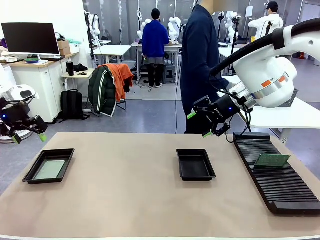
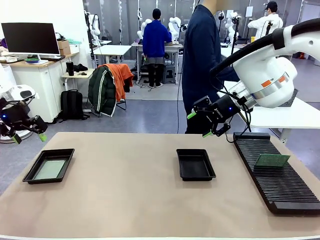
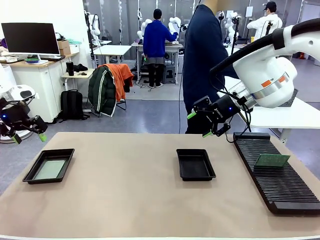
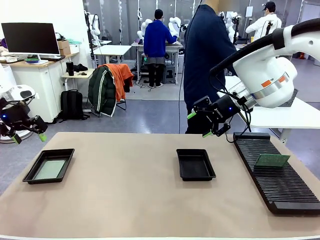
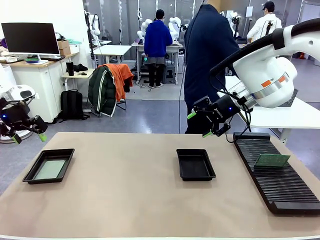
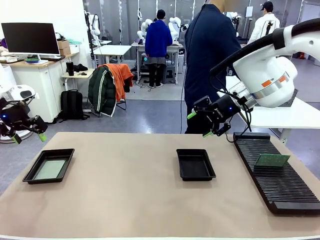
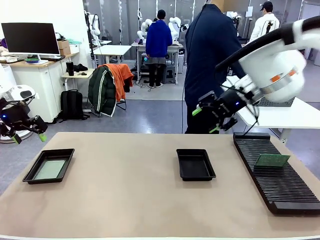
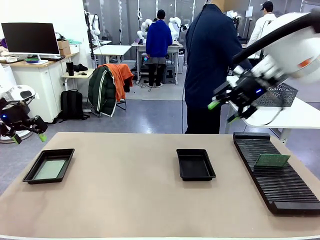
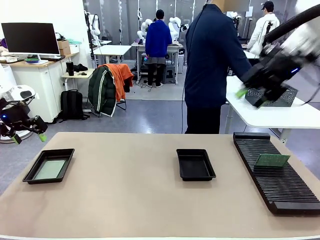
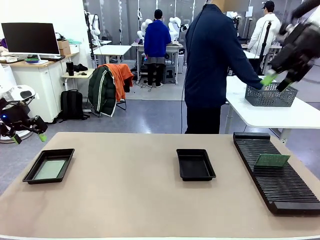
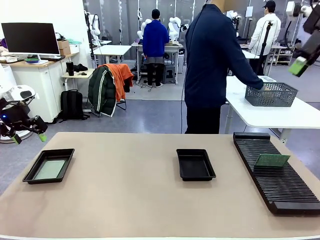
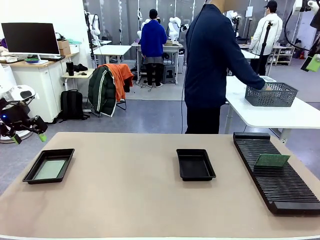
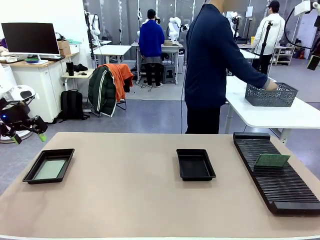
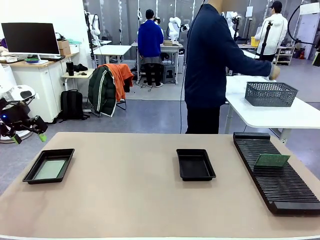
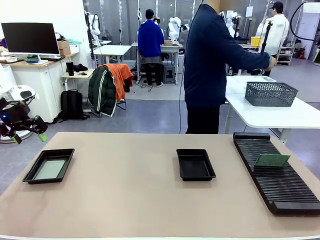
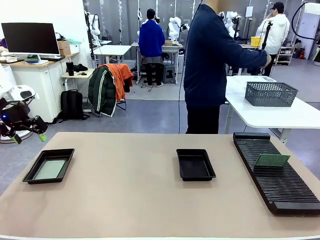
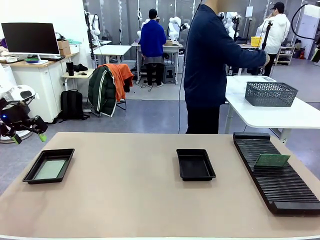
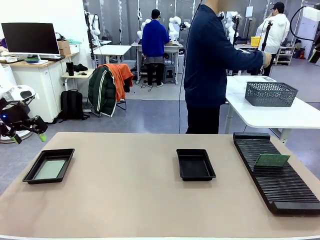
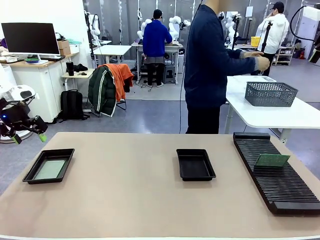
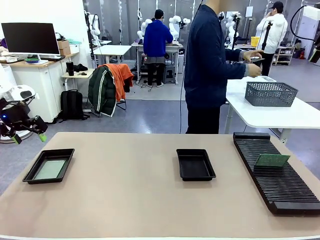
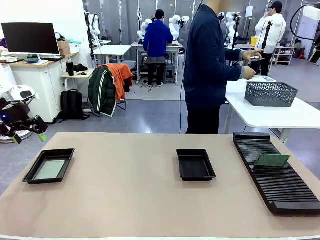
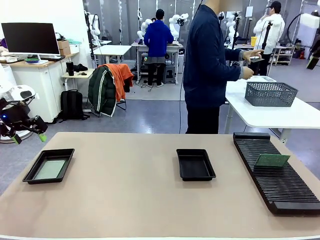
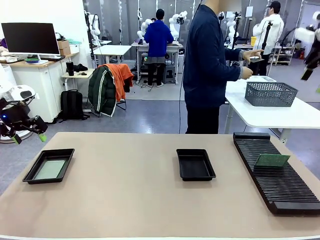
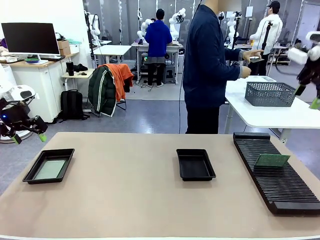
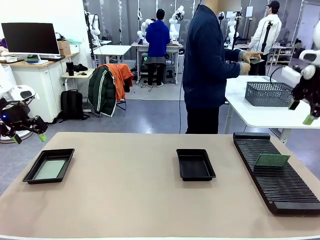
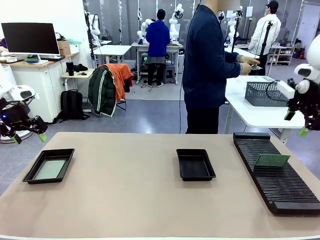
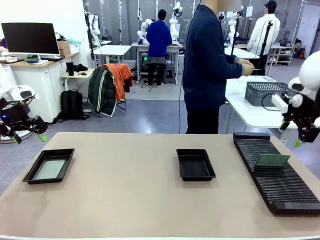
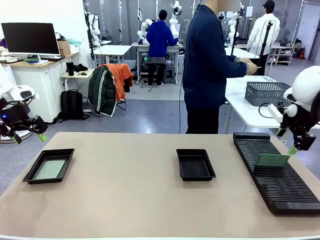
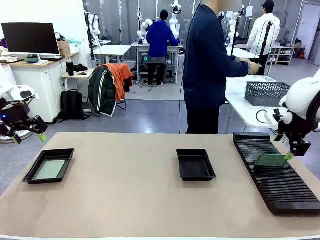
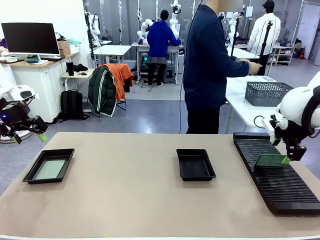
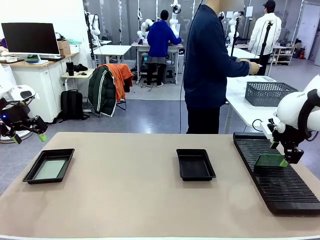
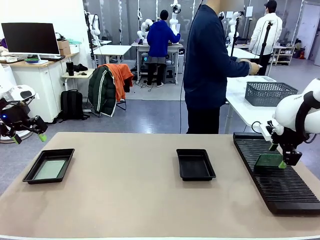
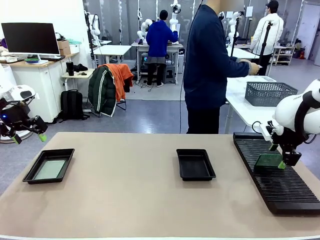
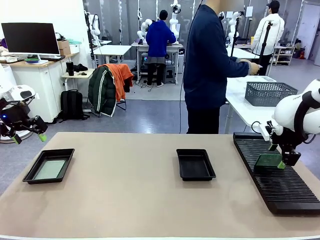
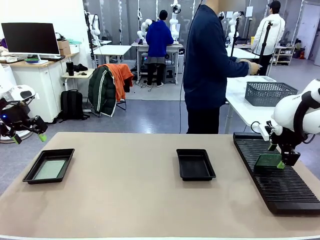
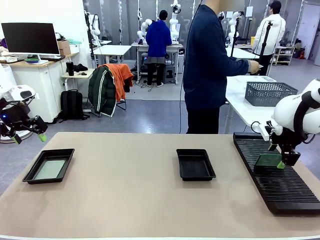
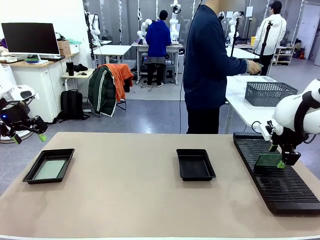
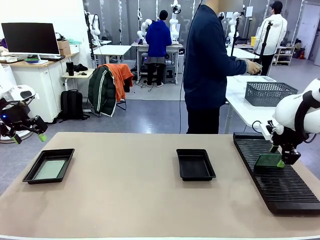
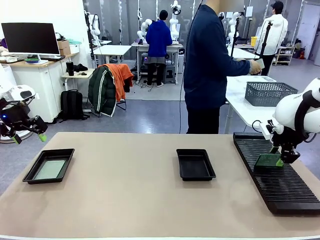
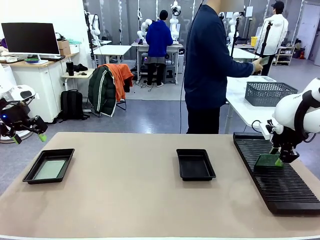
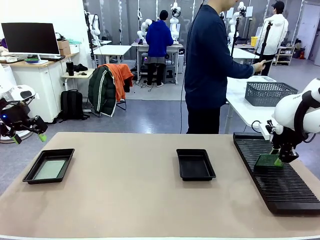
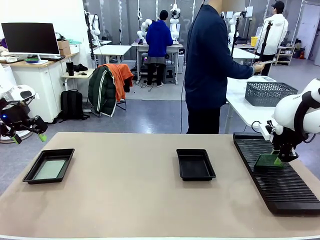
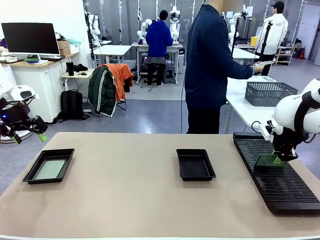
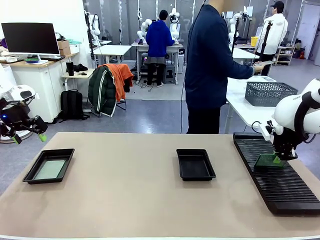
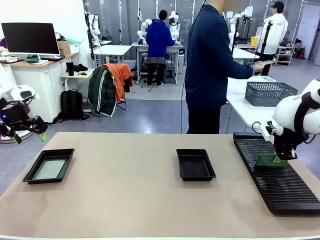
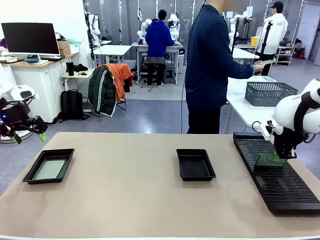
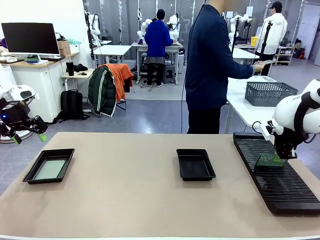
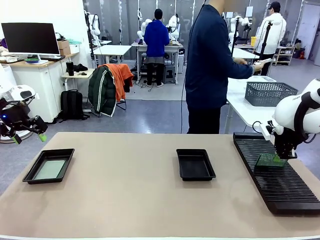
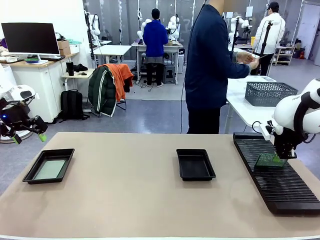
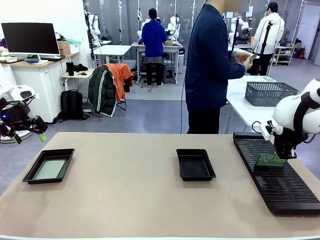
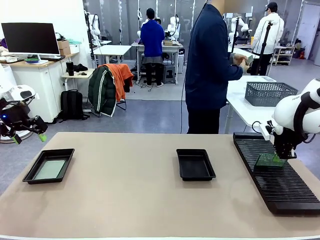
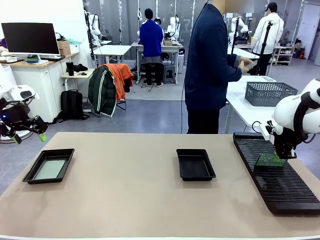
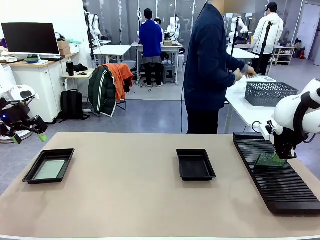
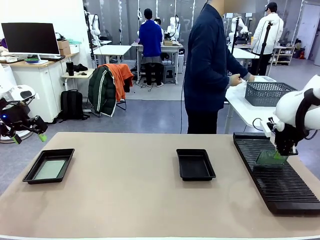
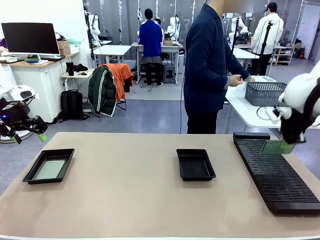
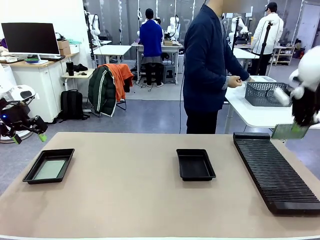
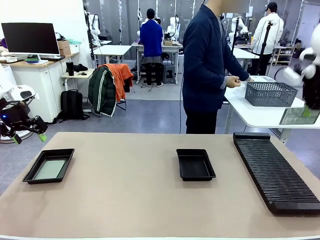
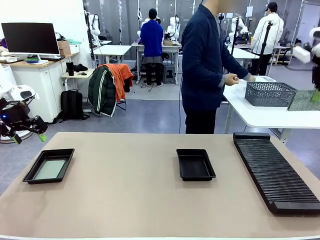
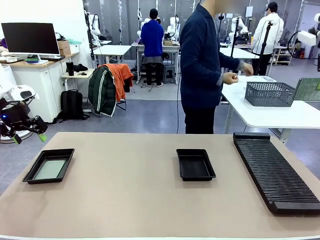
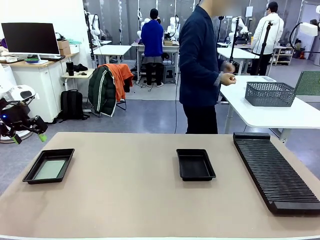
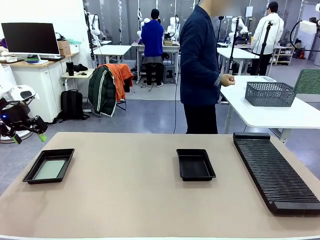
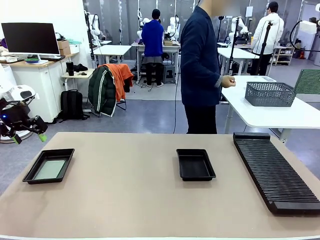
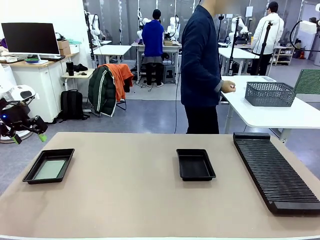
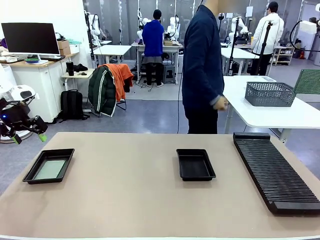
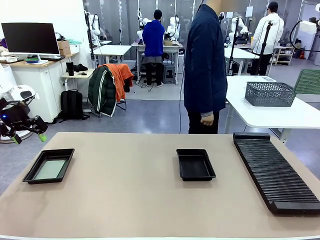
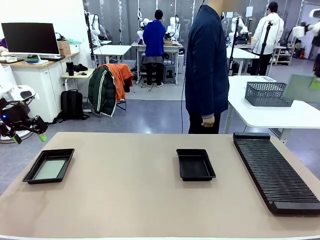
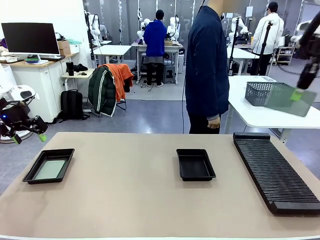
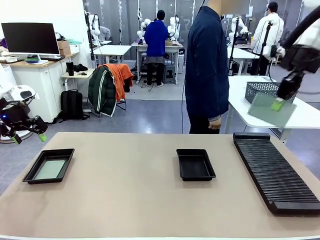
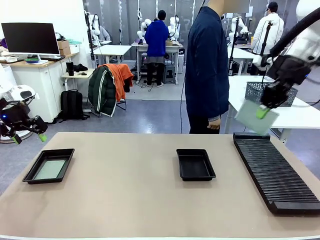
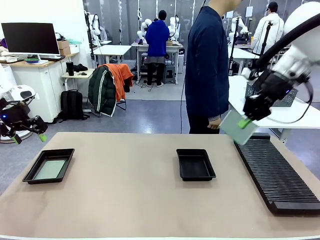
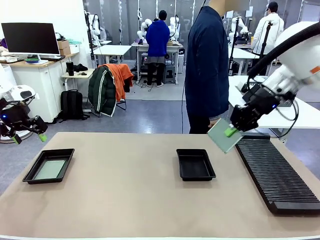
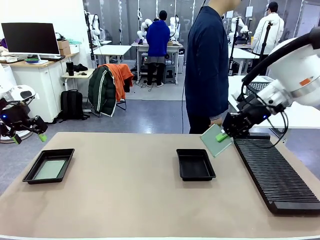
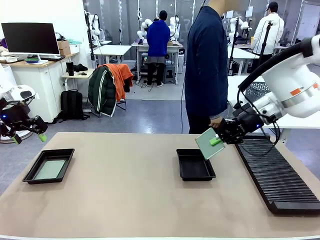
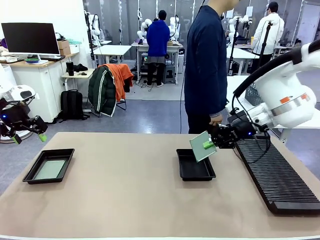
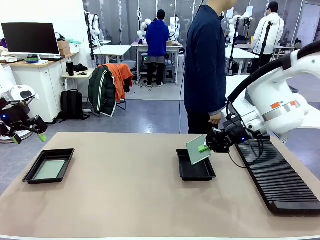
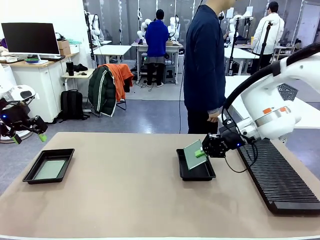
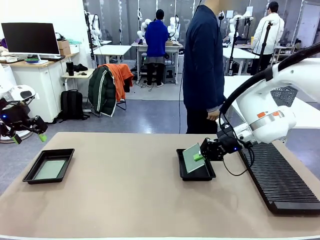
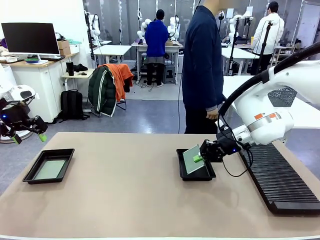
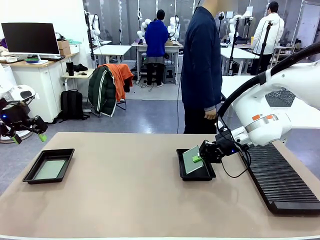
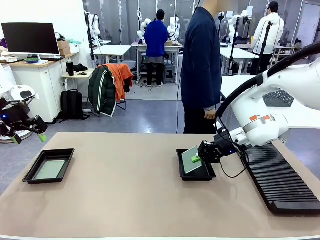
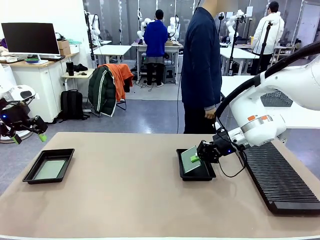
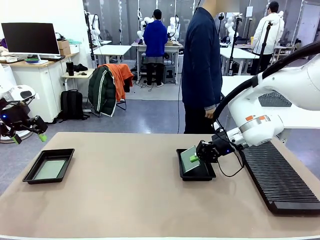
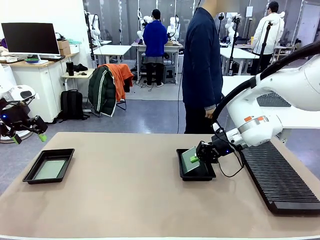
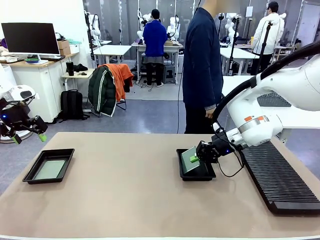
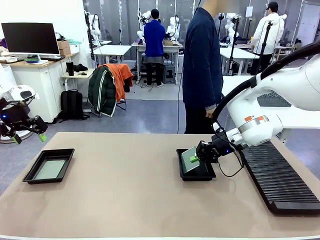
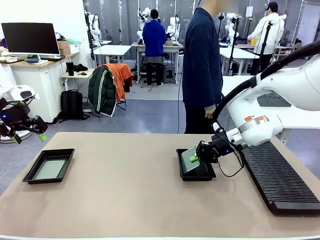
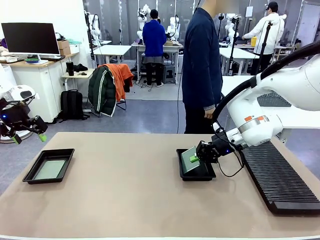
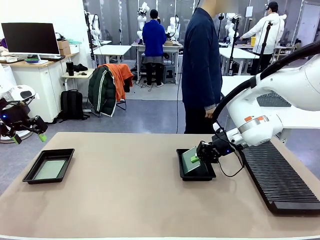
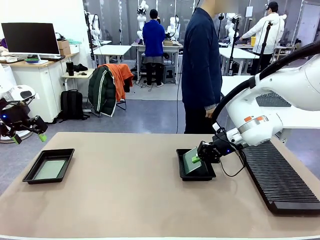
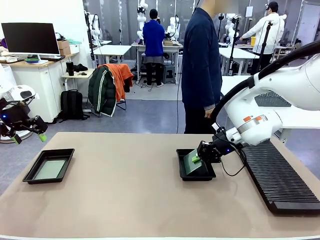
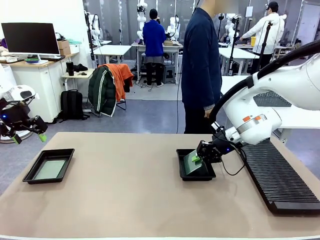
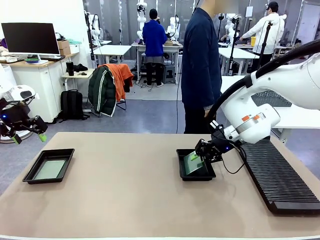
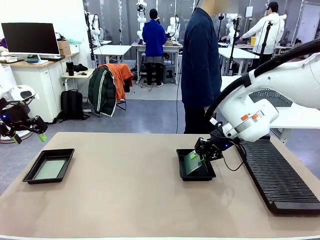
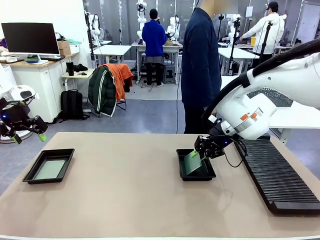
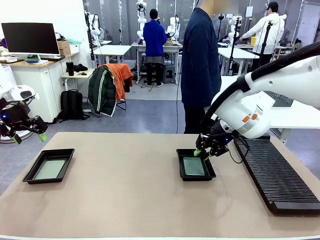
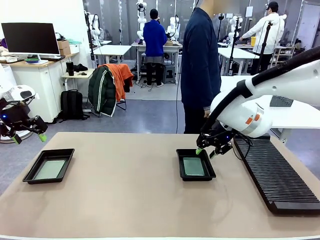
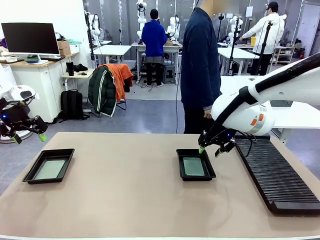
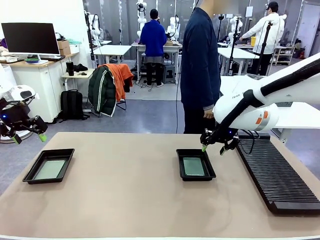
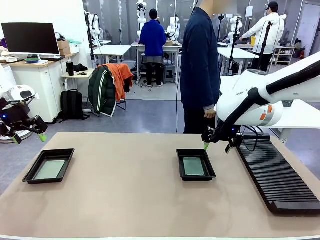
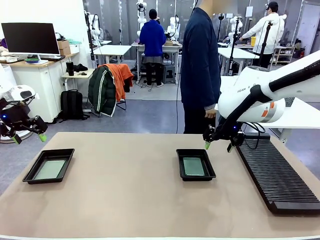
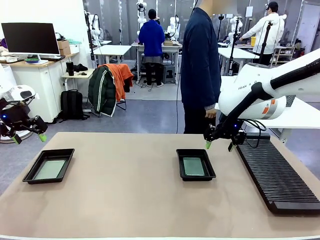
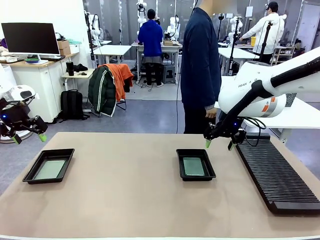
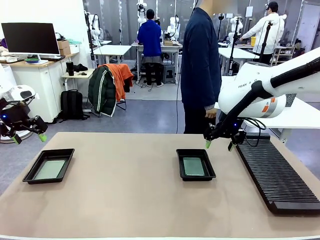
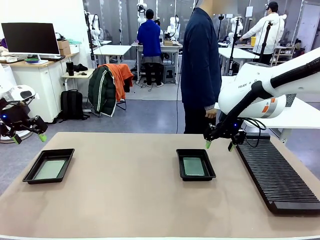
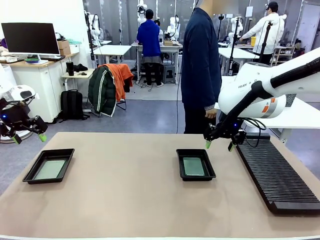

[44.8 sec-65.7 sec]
Task: Inspect and transfer BCBs to ESD trays.
Robot: Pick up the Blank PCB from the PCB Rack and place it in the right ESD tray.
